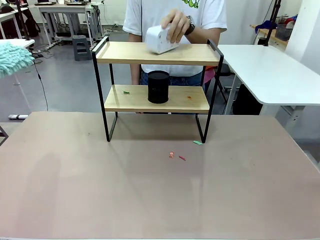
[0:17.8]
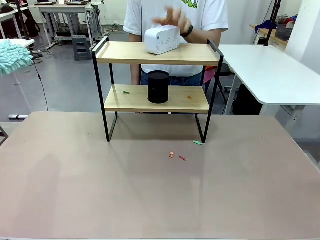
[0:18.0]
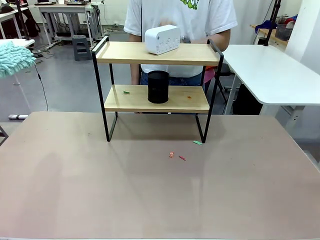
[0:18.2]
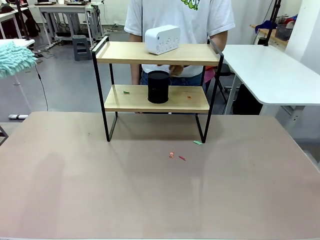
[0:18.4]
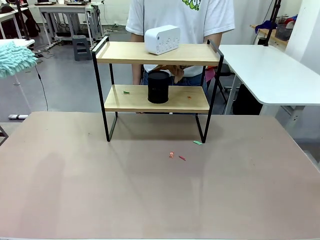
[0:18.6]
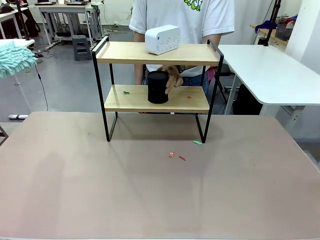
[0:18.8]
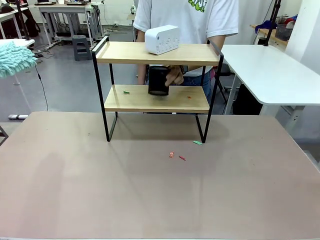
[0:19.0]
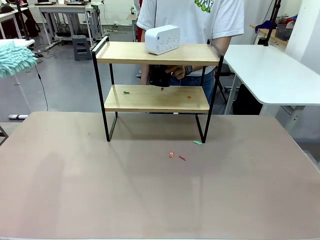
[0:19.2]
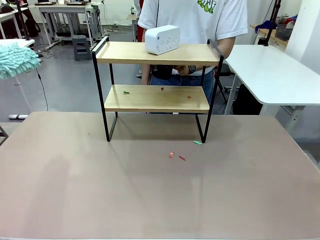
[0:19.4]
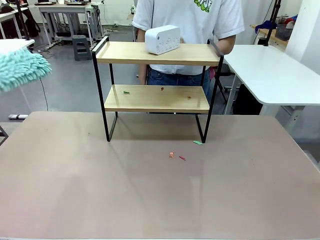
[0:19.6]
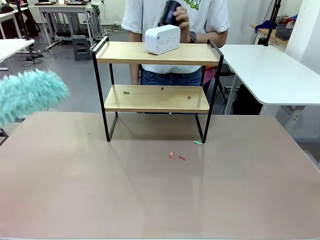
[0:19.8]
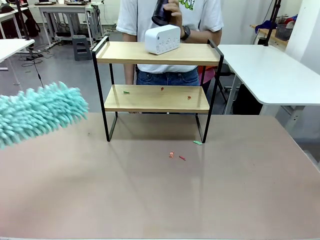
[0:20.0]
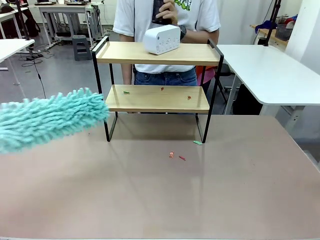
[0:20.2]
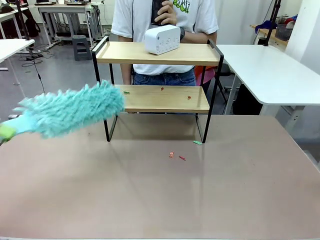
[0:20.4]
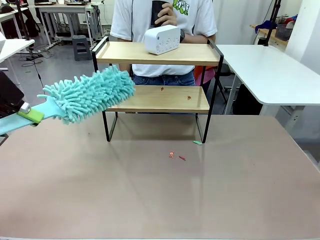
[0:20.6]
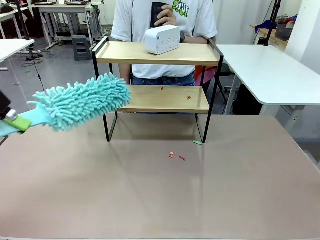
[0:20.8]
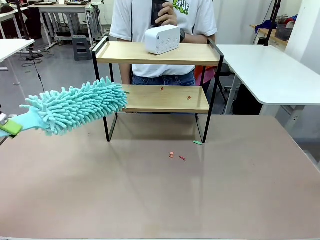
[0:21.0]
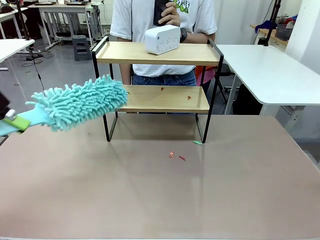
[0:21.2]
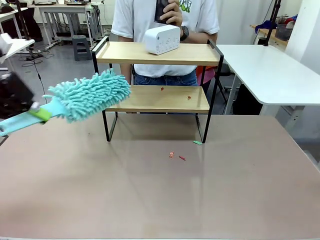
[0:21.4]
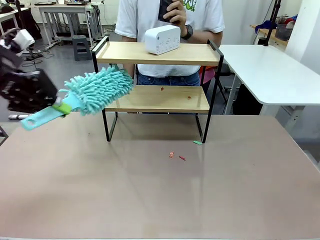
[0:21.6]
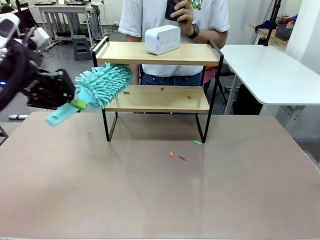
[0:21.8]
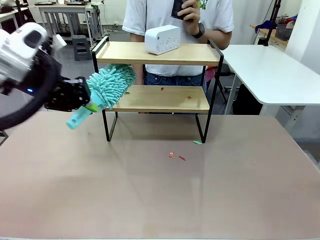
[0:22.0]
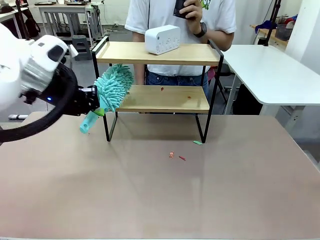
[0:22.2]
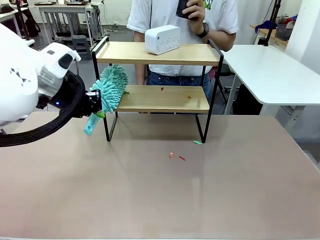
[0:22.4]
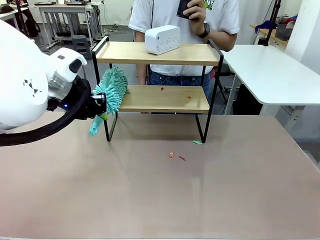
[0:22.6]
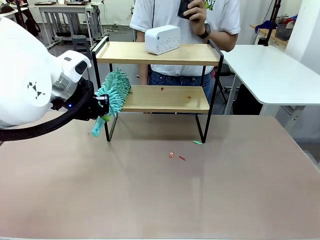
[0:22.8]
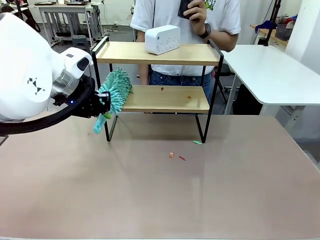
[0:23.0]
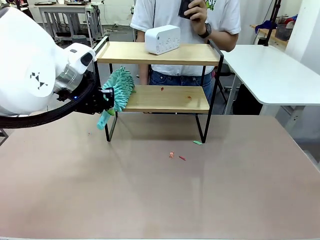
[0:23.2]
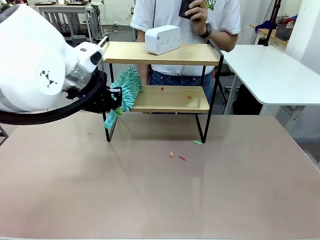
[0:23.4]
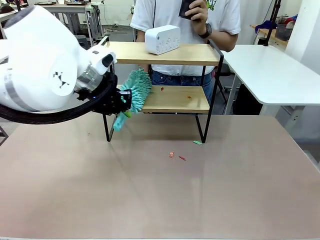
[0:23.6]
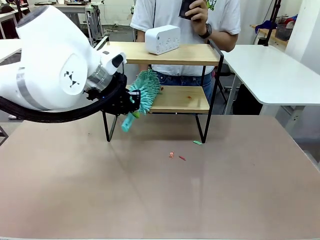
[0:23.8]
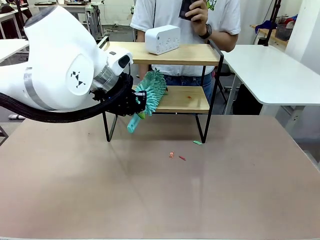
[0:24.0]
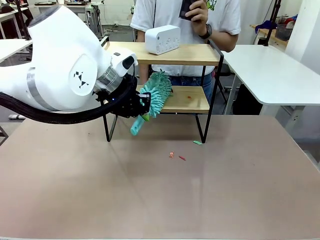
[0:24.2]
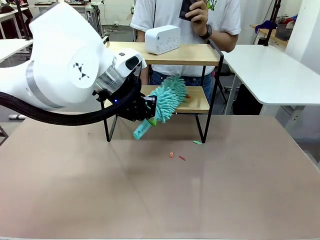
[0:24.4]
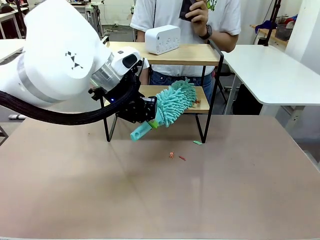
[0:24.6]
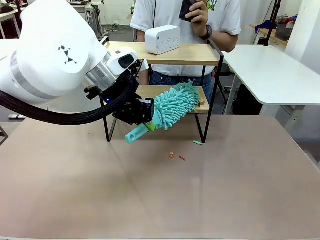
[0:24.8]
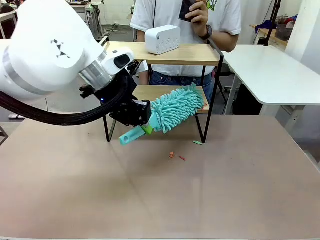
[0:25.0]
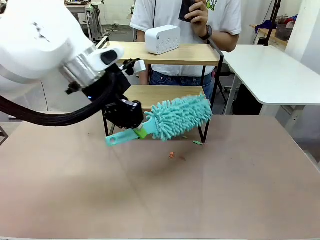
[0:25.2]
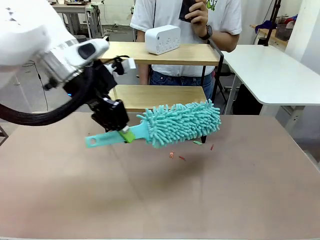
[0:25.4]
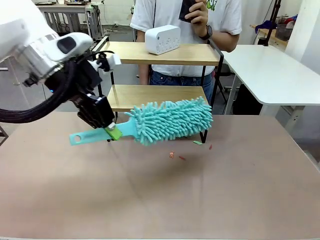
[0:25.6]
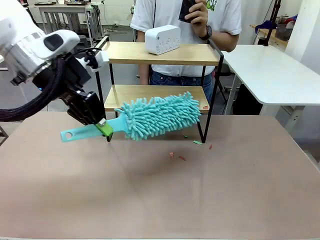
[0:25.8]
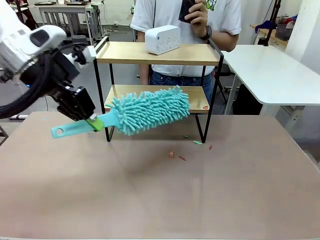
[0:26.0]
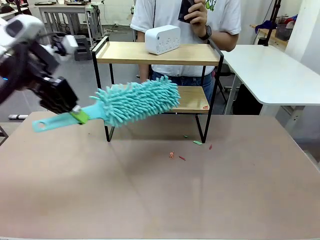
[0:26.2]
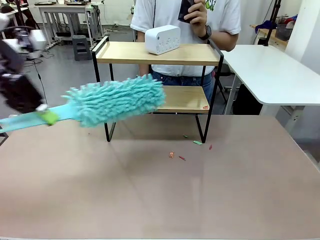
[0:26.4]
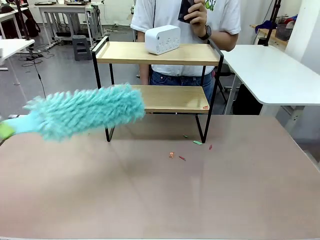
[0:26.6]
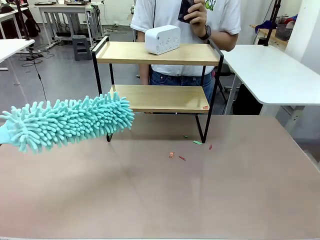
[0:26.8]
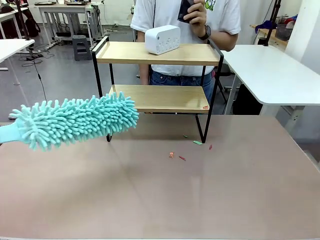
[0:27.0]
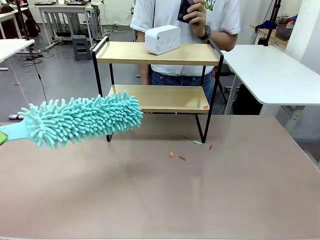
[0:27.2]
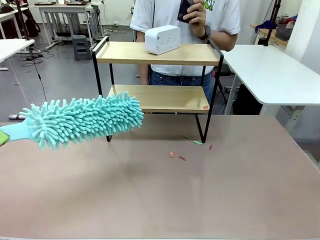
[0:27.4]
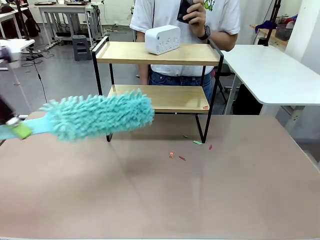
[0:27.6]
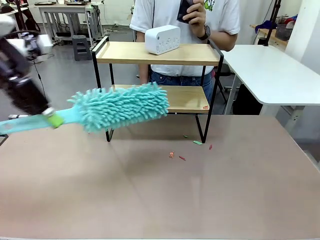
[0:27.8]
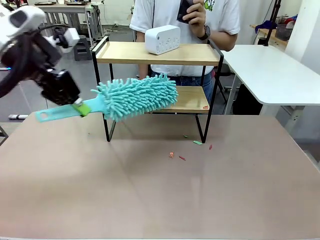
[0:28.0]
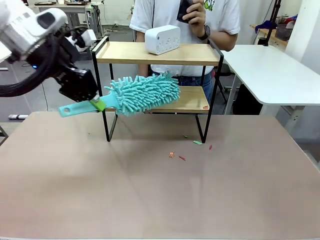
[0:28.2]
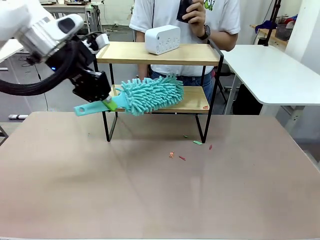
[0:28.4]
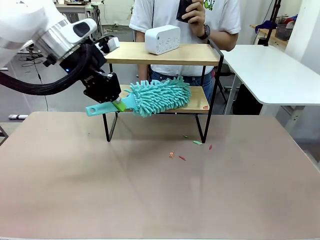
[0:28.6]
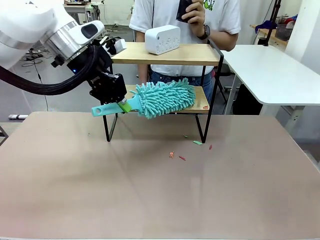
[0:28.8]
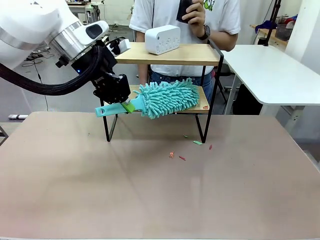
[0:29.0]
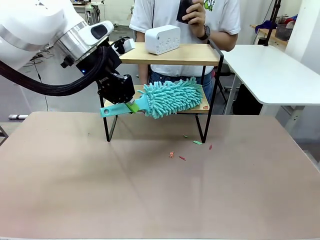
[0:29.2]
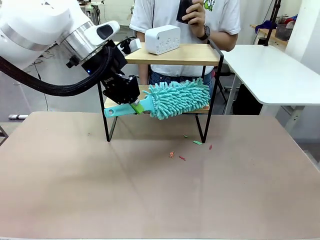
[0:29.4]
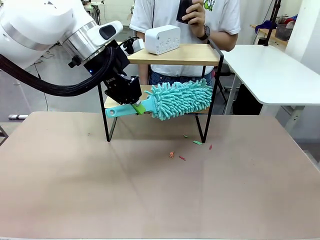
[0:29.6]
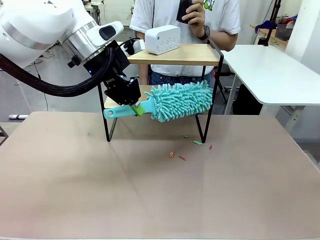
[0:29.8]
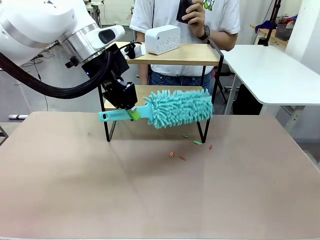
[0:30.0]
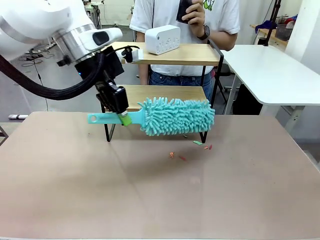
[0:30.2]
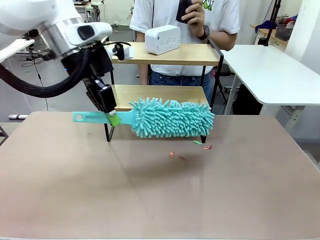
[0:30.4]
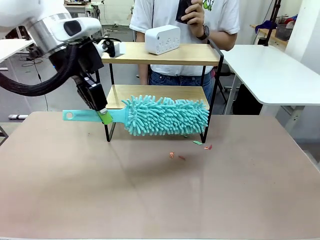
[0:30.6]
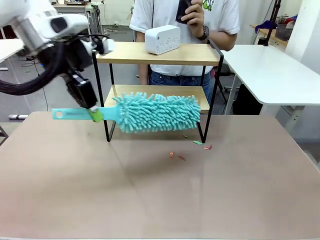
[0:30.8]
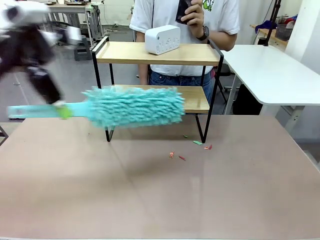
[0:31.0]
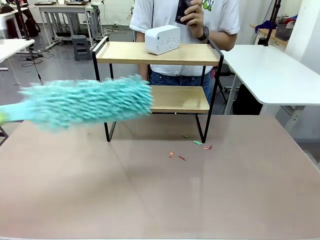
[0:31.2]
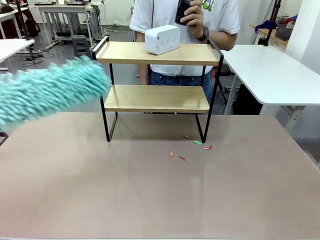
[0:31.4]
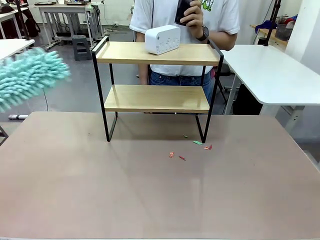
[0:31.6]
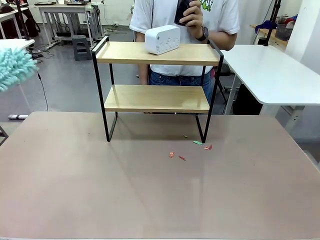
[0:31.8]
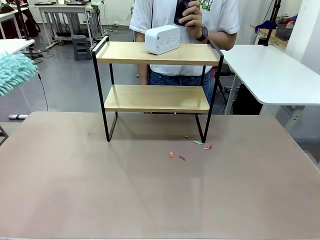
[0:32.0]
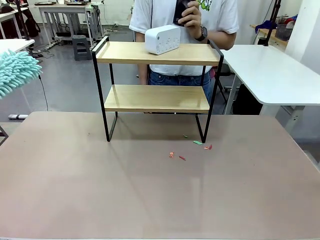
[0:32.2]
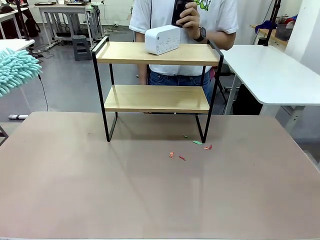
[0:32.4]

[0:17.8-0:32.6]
Task: Clean the shelf.
Robot: Clean the remaining tier of the Shelf with the Duster once objects are removed.
Person: Receive the Duster from the robot.

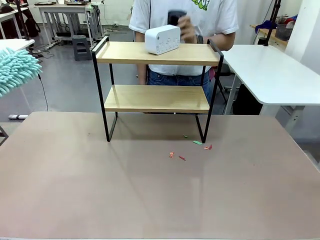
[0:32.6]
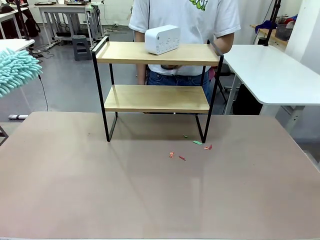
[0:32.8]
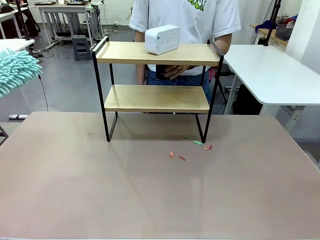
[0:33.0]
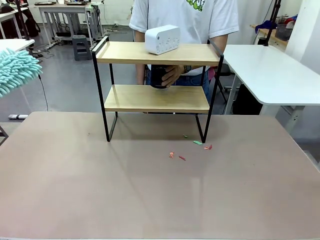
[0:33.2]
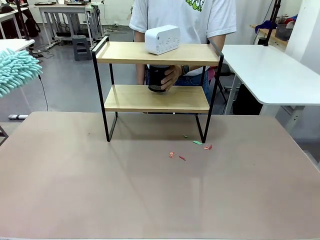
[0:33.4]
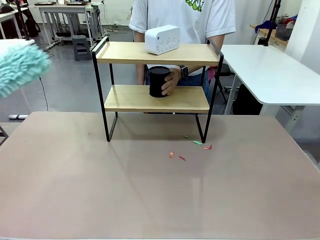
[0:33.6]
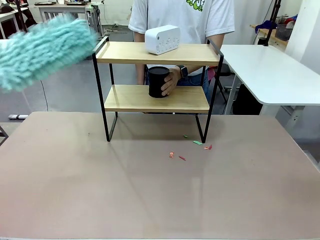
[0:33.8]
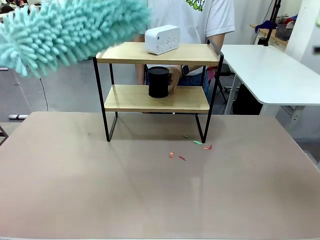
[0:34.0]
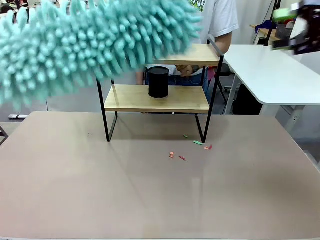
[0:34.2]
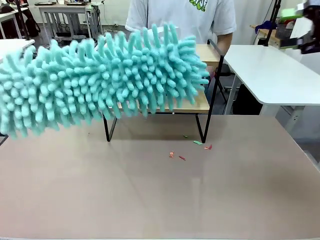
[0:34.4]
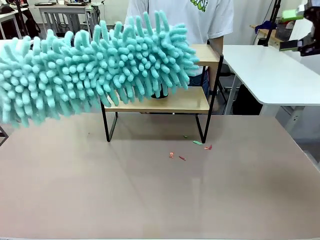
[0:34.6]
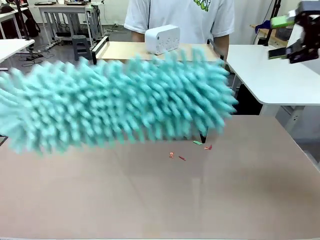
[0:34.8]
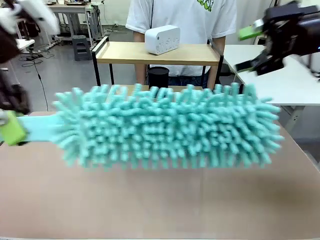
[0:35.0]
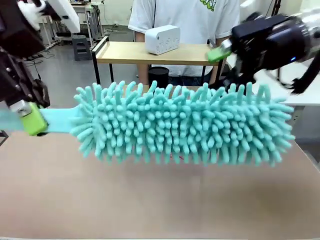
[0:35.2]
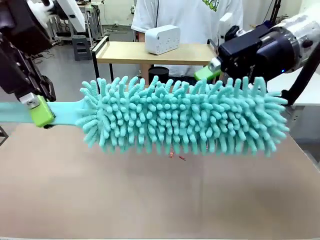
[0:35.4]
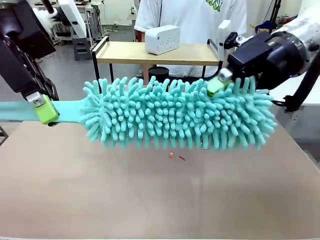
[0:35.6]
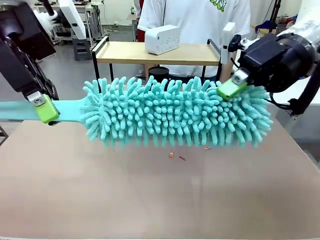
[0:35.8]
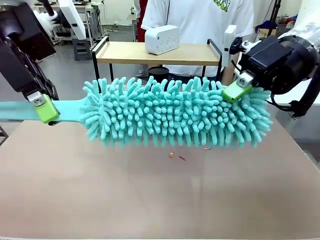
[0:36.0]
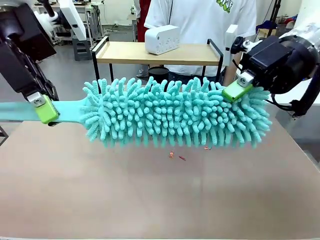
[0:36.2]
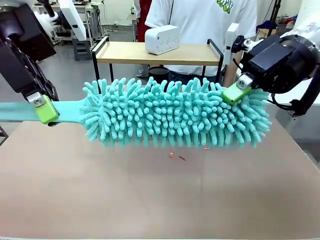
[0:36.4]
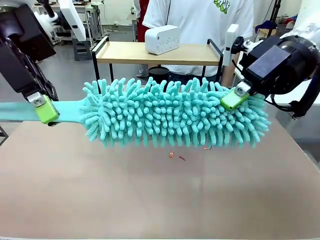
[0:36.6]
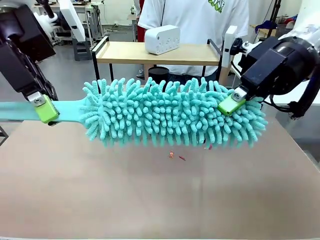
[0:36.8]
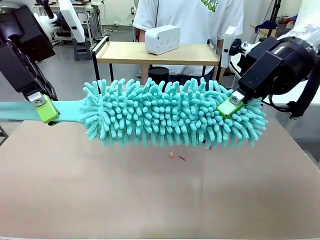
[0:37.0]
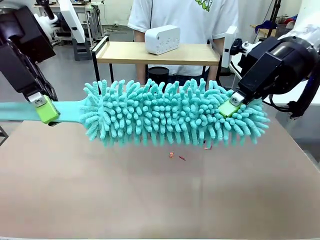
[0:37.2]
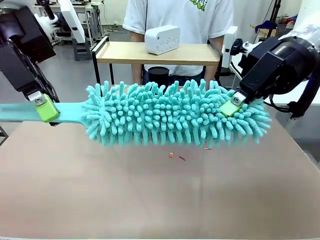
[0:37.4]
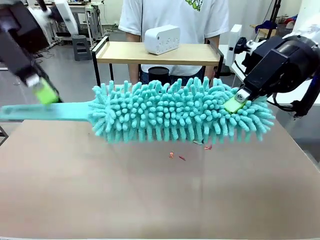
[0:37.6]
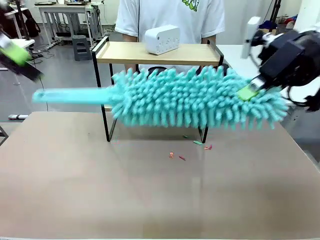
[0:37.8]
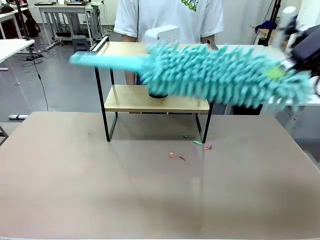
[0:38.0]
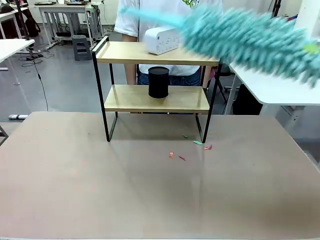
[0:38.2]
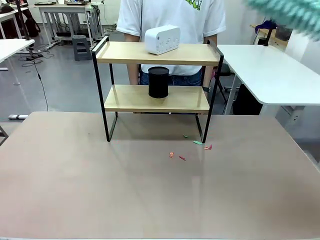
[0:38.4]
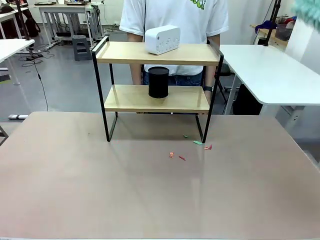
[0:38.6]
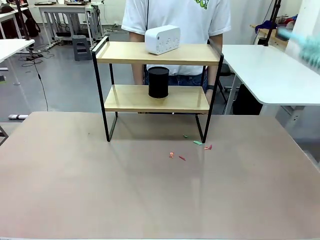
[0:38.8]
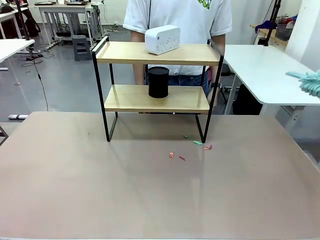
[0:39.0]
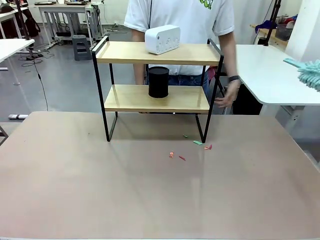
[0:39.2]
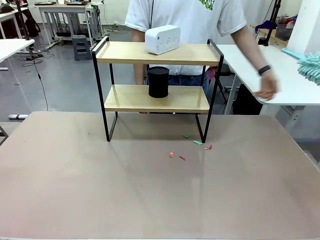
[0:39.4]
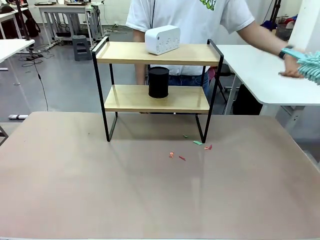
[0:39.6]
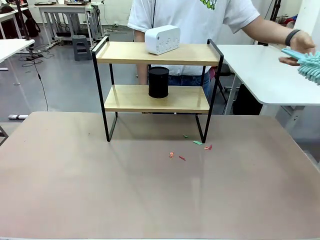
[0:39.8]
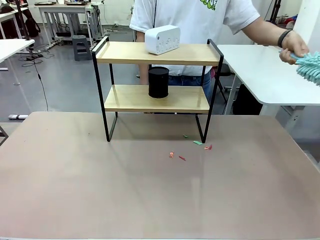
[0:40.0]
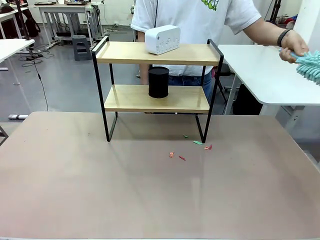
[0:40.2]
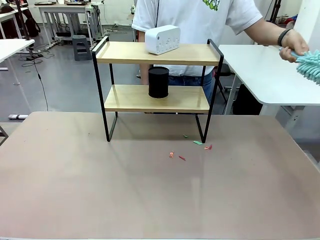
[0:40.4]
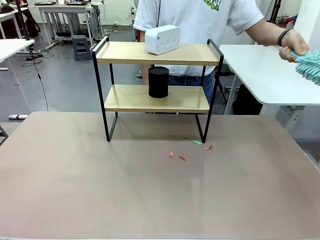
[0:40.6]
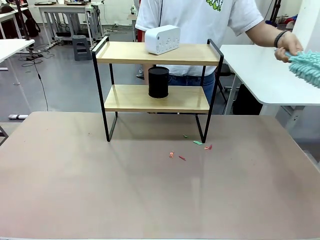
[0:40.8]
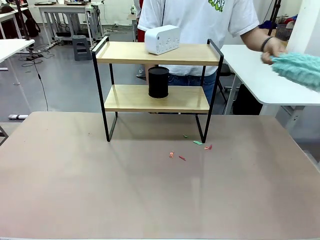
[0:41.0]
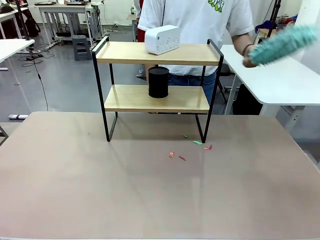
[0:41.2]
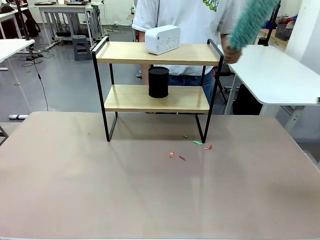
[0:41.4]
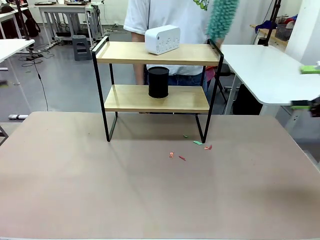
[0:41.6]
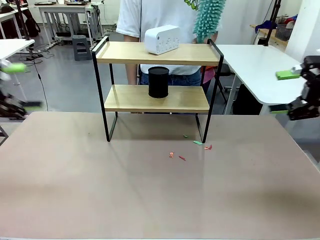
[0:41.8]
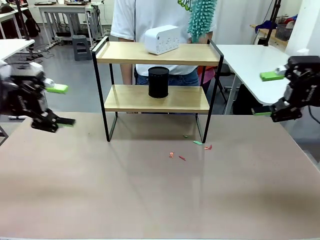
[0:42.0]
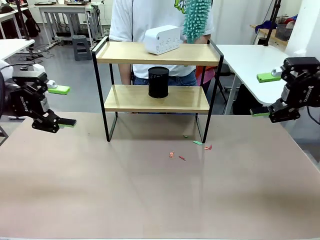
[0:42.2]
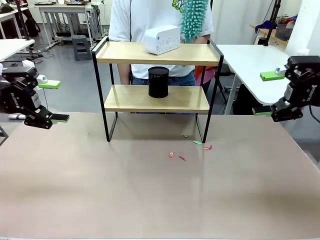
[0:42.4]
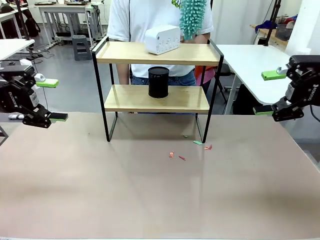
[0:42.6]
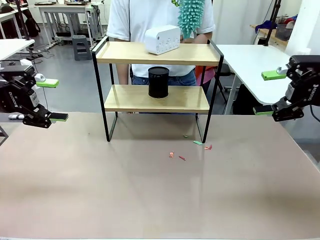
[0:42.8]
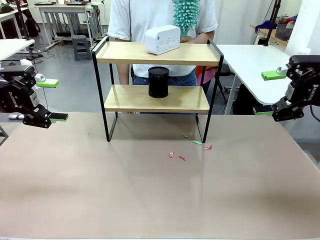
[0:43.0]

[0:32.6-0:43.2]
Robot: Hand the Duster back to the human.
